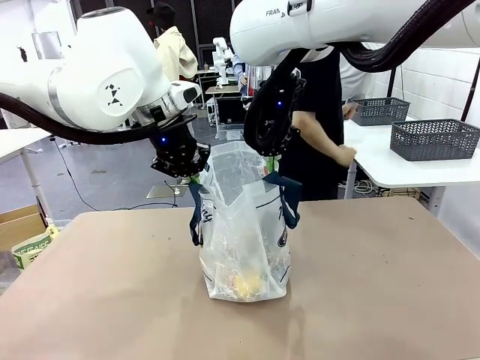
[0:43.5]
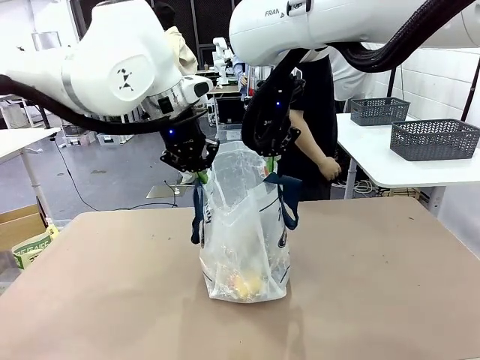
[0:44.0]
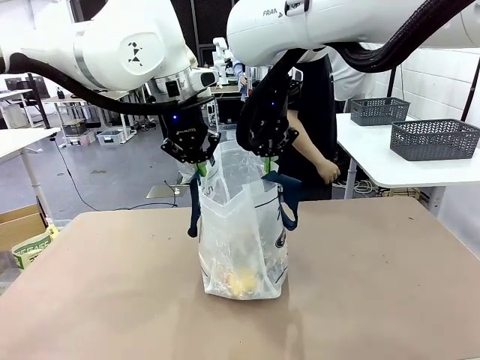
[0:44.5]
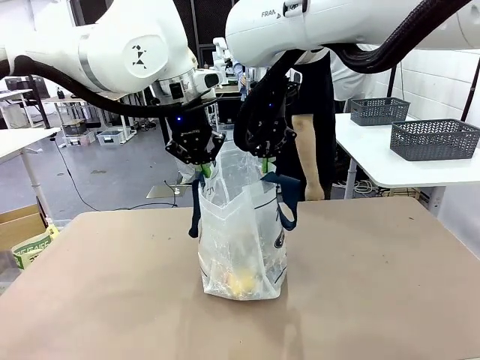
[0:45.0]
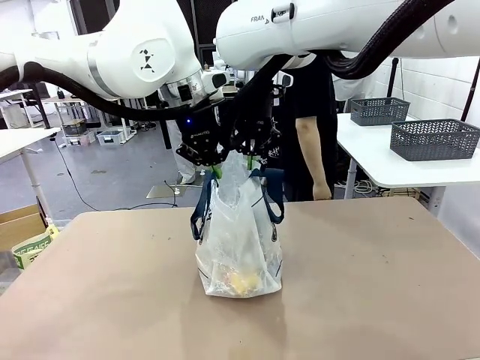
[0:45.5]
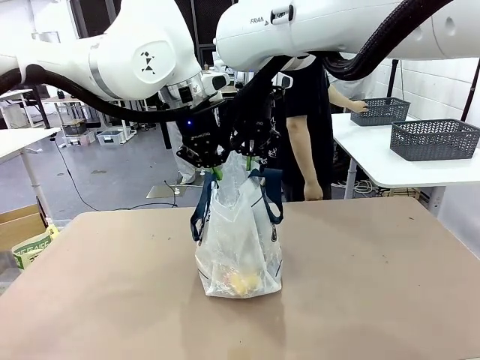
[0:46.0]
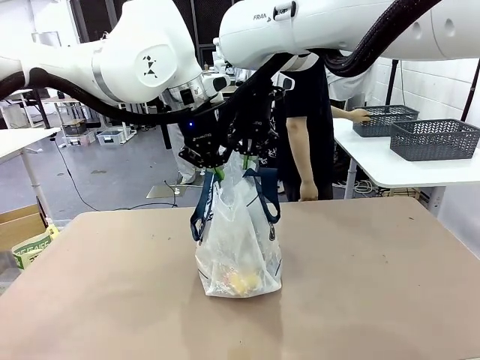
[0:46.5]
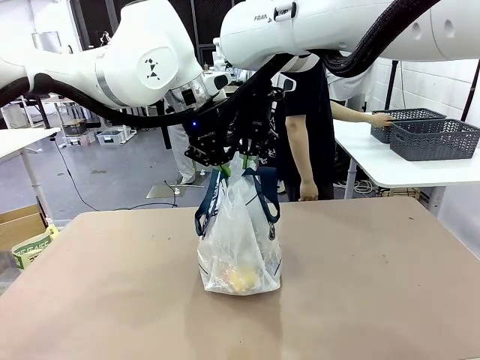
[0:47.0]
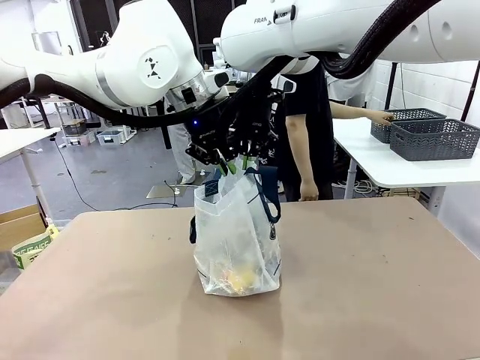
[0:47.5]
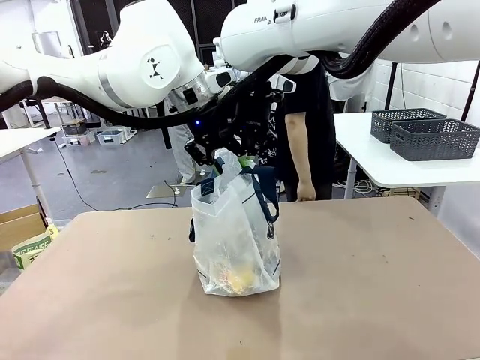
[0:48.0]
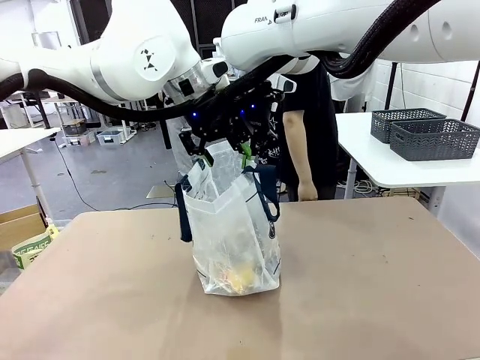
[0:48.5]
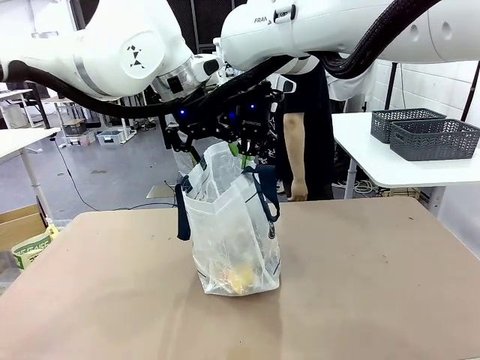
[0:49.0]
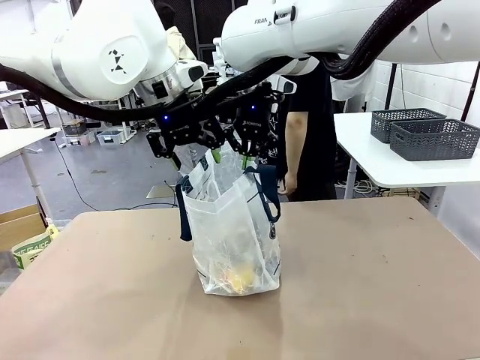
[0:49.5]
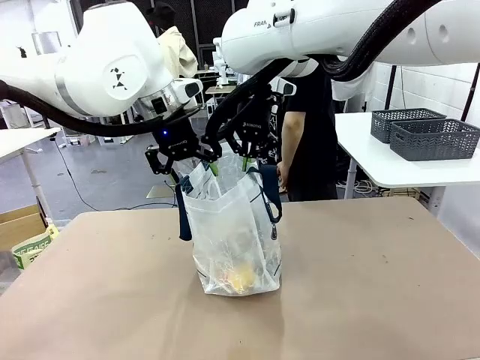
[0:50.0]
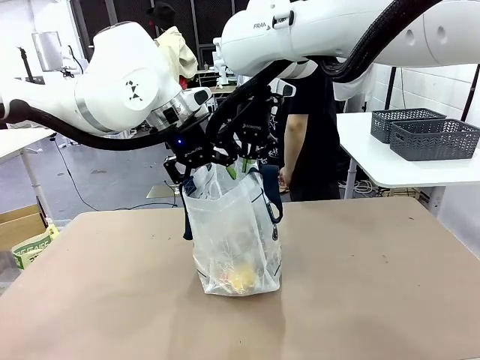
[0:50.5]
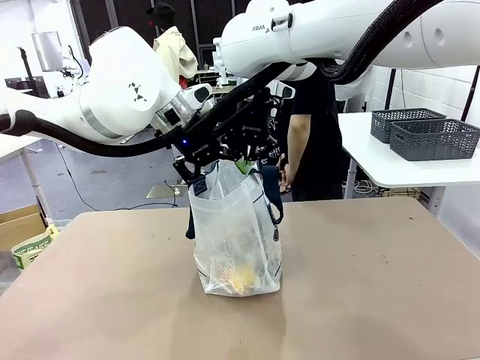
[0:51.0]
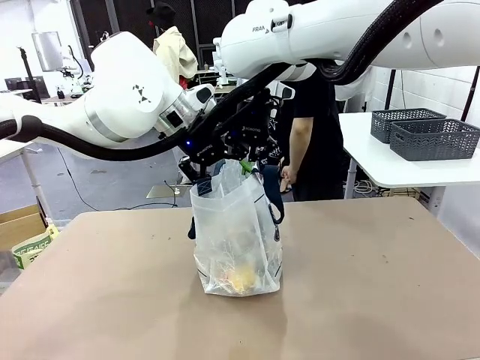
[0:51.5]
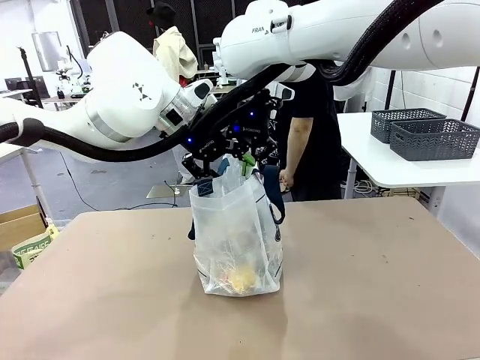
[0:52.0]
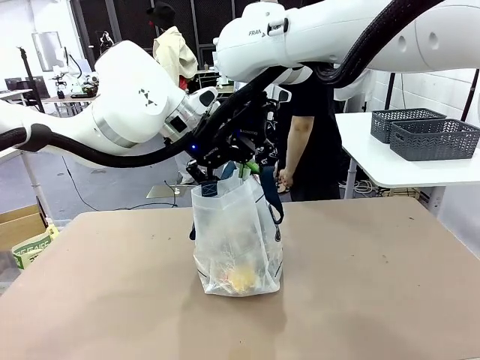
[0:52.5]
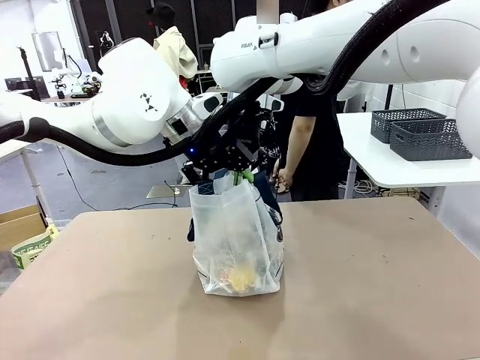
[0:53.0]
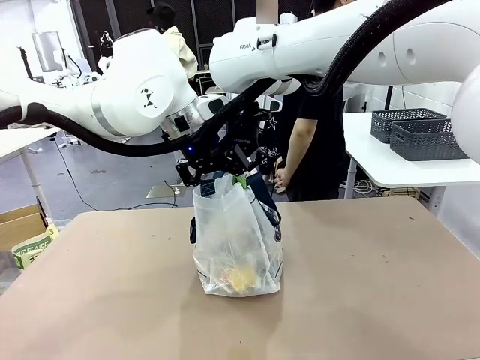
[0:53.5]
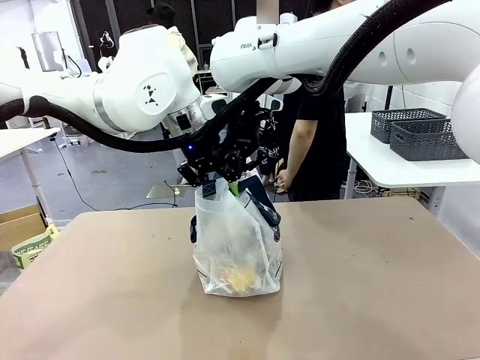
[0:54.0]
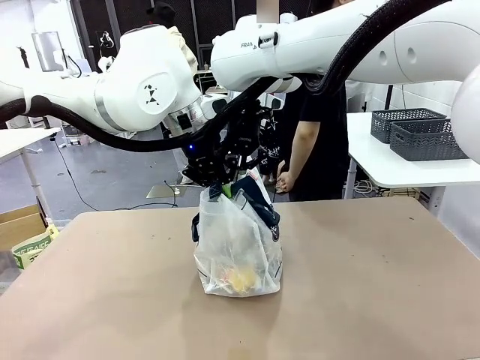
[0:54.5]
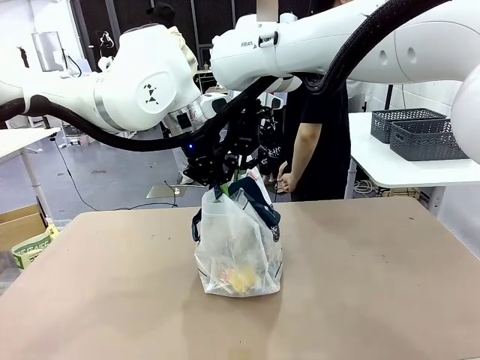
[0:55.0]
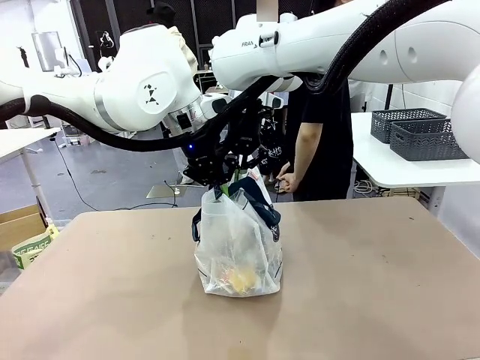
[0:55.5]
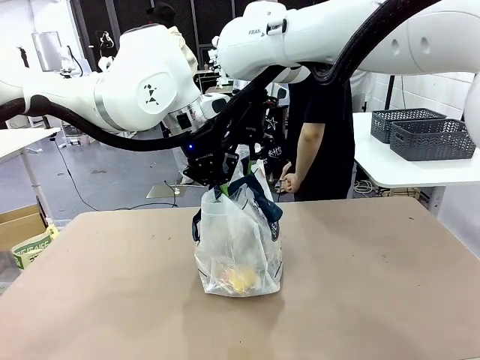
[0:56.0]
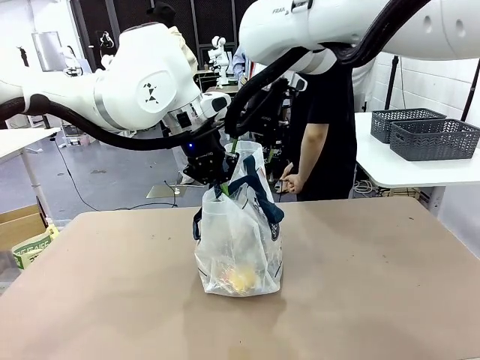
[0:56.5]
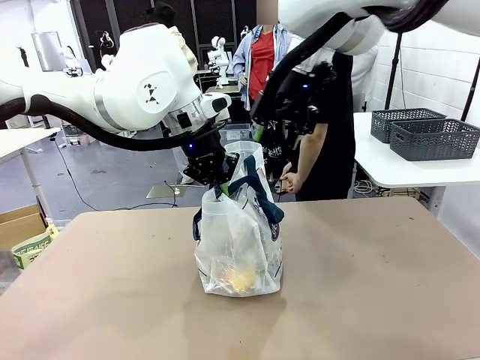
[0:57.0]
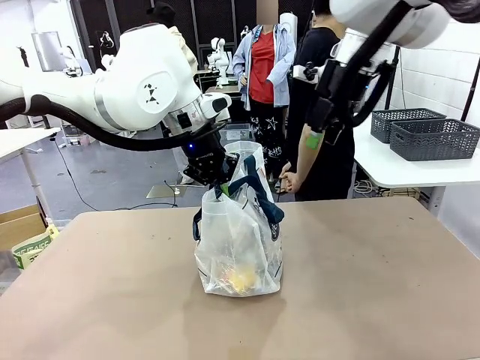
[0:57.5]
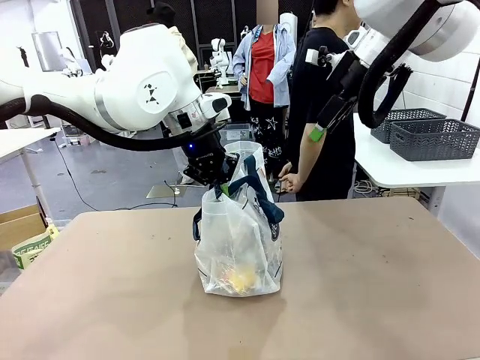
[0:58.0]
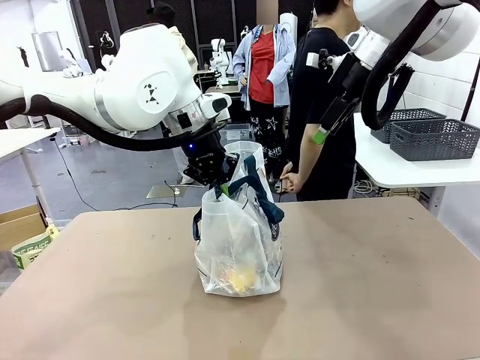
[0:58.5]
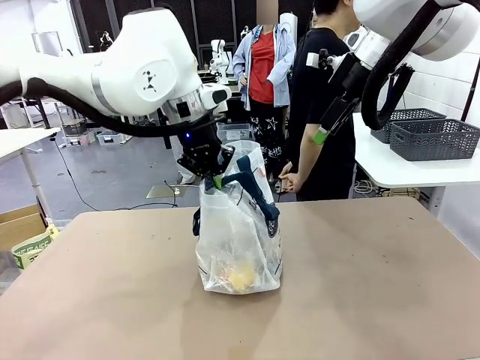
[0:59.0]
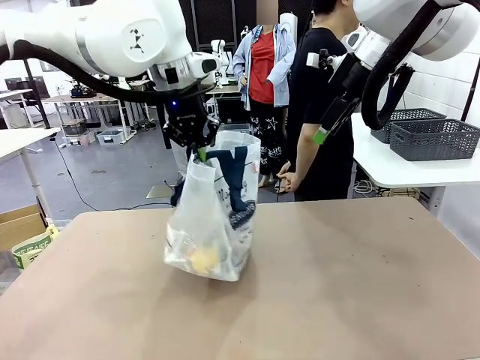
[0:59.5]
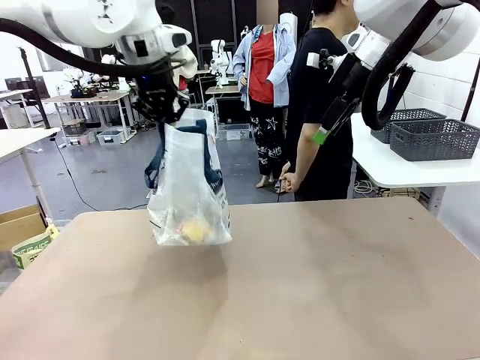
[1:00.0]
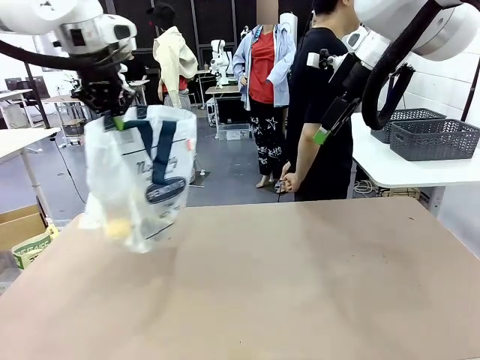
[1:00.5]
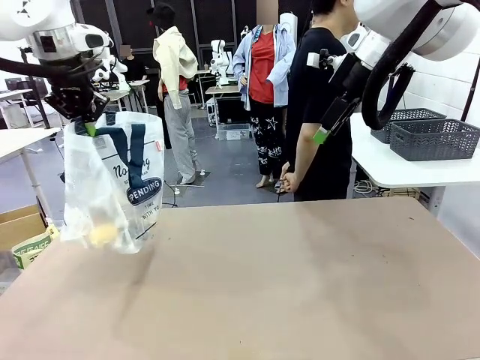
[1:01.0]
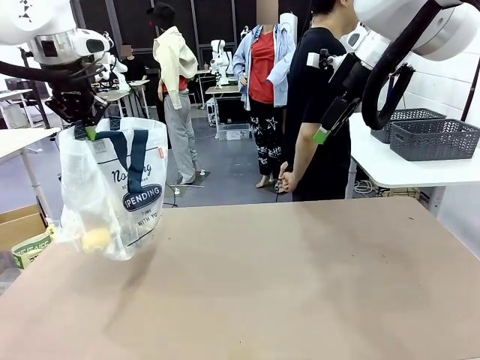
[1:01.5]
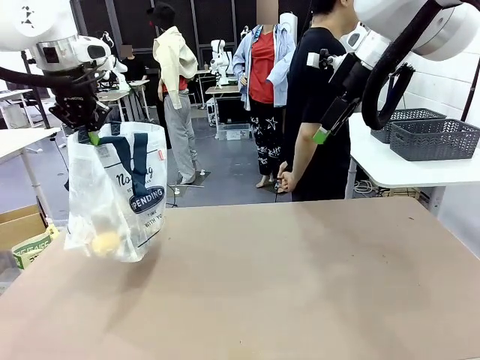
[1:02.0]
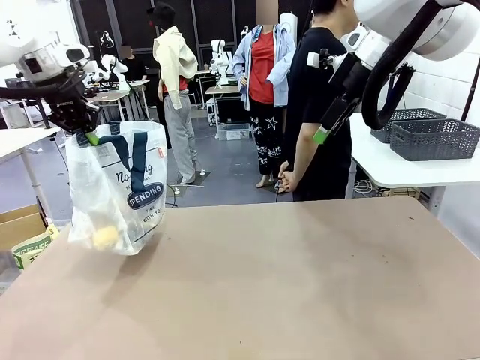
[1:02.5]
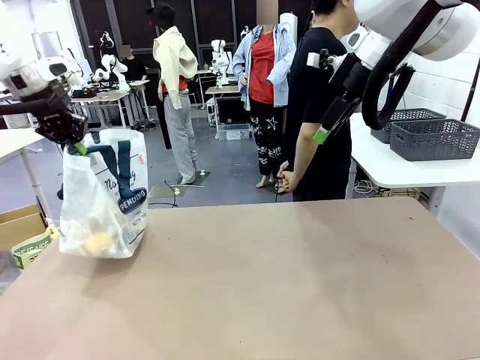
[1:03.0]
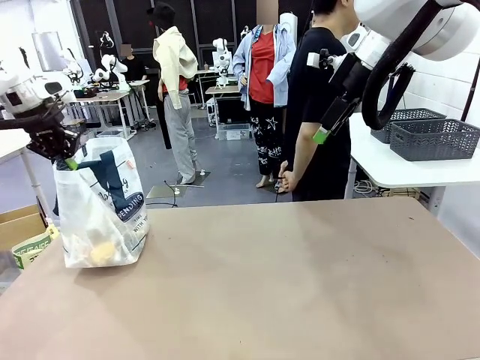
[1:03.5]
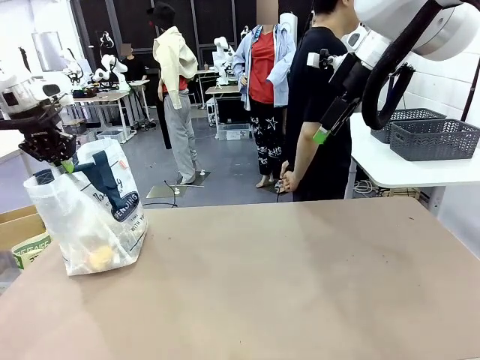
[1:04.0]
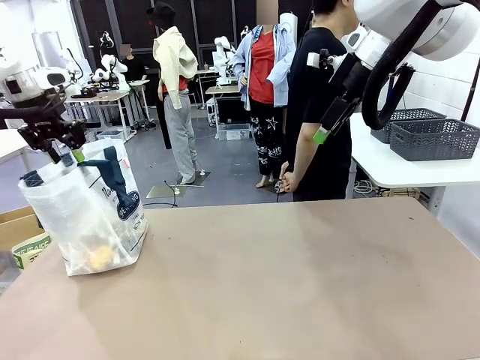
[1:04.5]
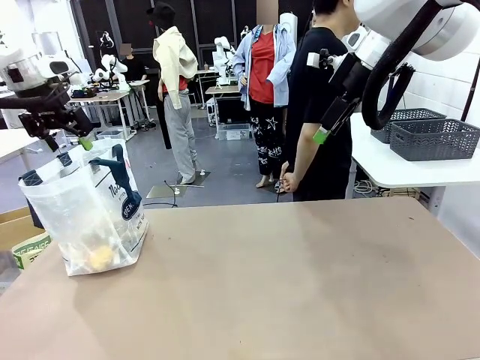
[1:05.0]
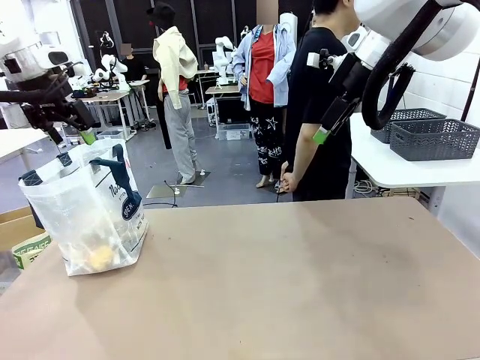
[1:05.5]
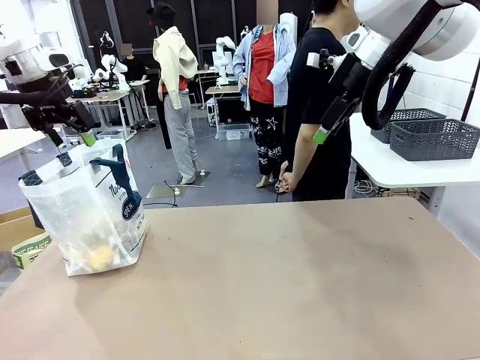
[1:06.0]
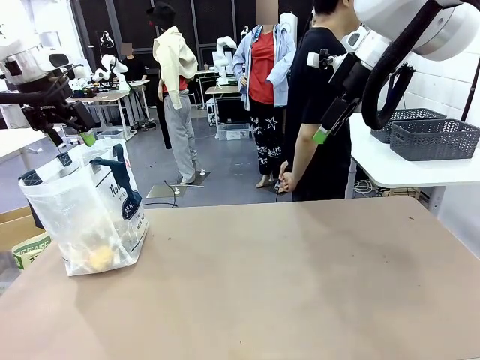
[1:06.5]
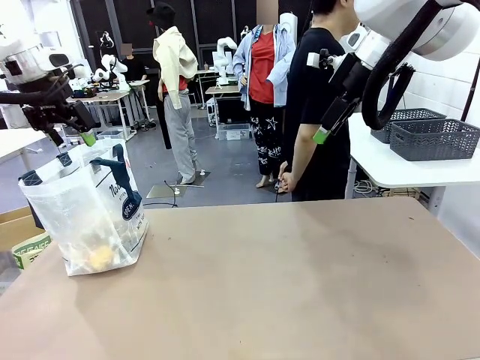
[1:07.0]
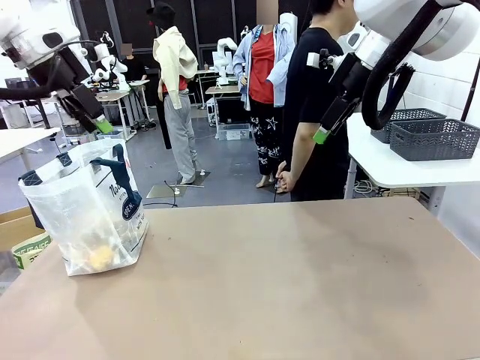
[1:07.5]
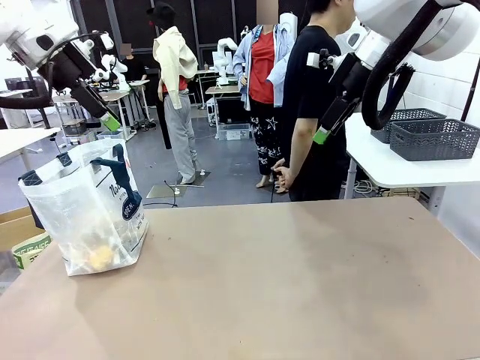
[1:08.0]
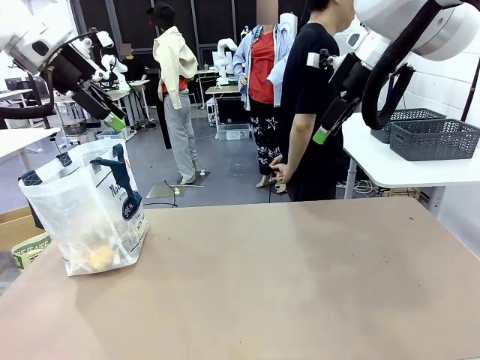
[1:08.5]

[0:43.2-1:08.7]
Task: Transfer purchased items from the store into the shopping bag.
Robot: Move the Reusable shopping bag to the right side of the table.
Person: Move the basket on the left to the middle of the person's table.
